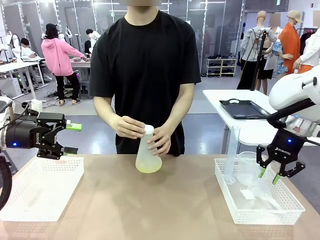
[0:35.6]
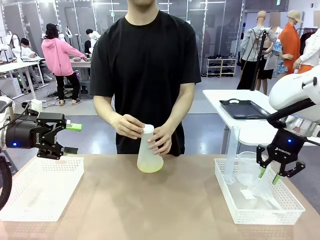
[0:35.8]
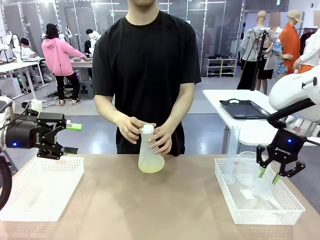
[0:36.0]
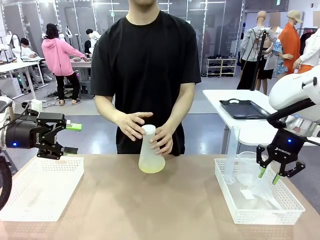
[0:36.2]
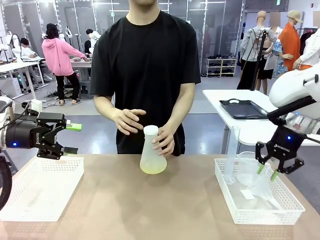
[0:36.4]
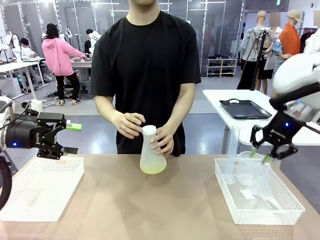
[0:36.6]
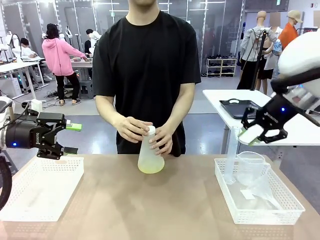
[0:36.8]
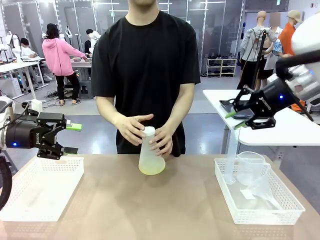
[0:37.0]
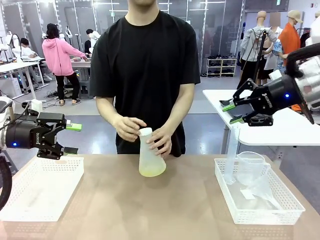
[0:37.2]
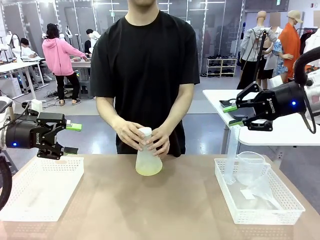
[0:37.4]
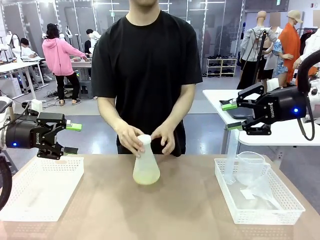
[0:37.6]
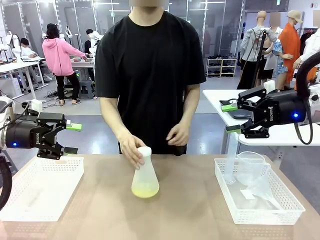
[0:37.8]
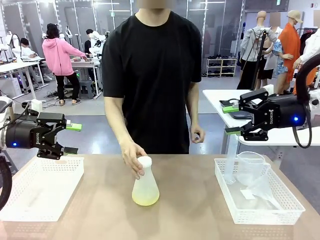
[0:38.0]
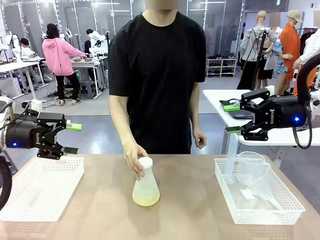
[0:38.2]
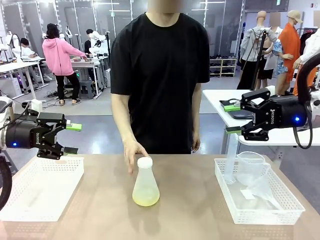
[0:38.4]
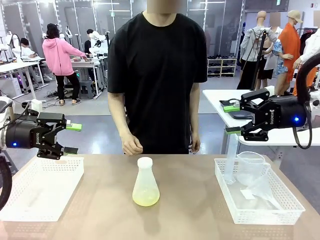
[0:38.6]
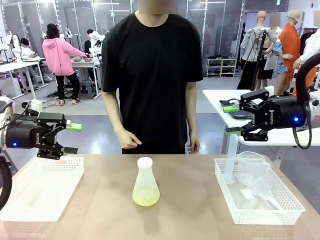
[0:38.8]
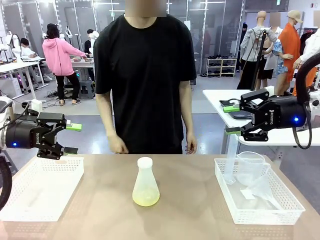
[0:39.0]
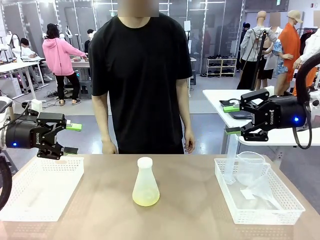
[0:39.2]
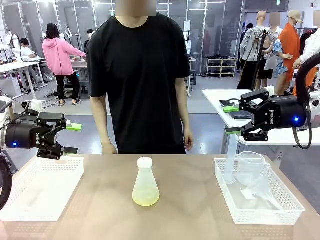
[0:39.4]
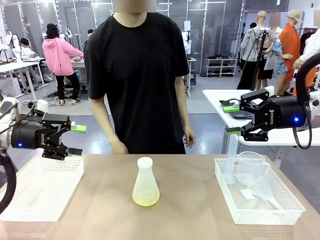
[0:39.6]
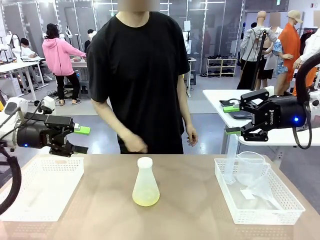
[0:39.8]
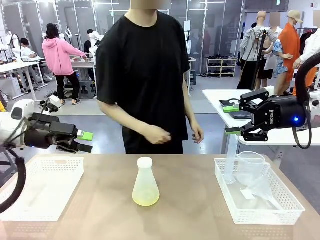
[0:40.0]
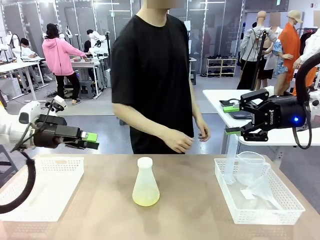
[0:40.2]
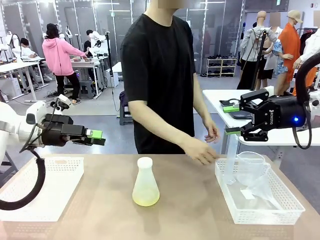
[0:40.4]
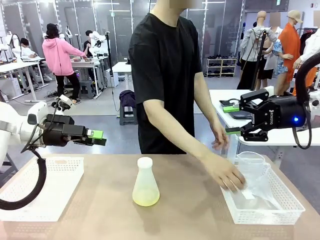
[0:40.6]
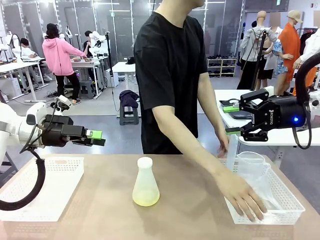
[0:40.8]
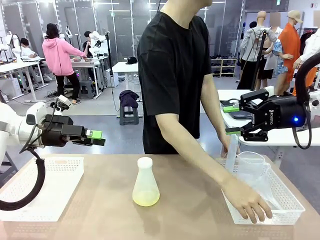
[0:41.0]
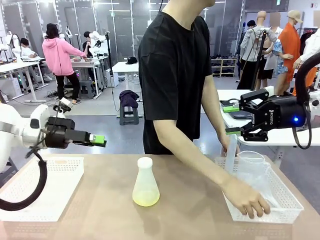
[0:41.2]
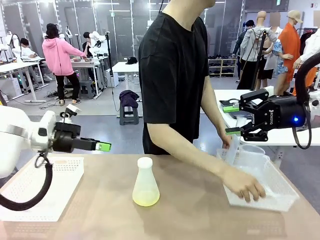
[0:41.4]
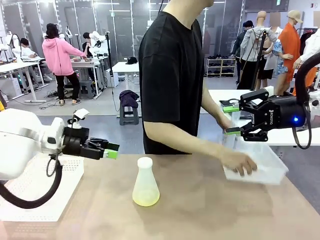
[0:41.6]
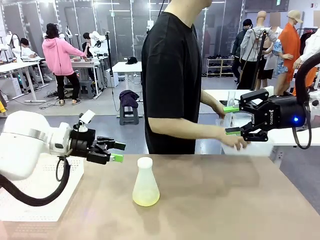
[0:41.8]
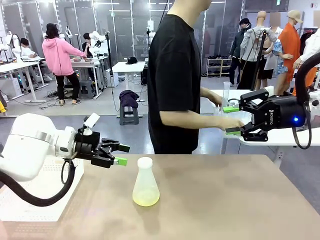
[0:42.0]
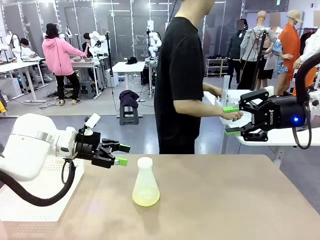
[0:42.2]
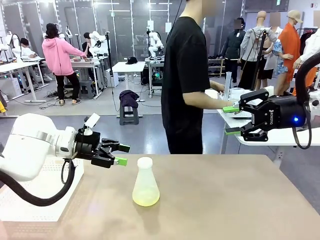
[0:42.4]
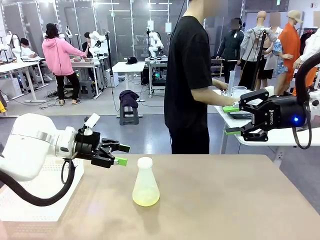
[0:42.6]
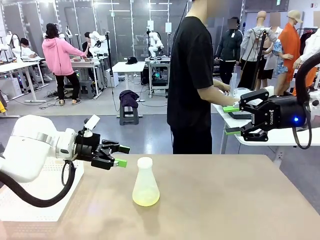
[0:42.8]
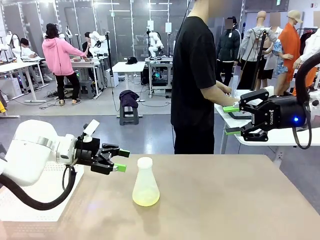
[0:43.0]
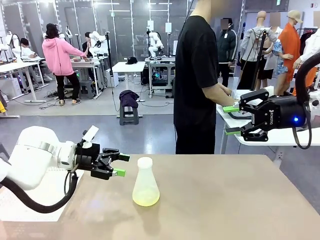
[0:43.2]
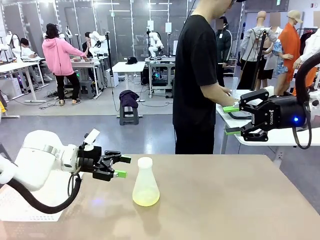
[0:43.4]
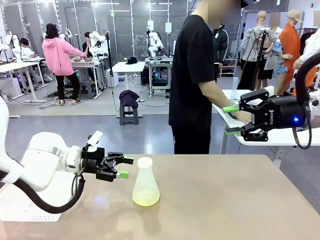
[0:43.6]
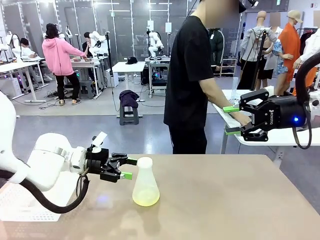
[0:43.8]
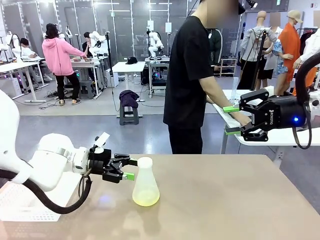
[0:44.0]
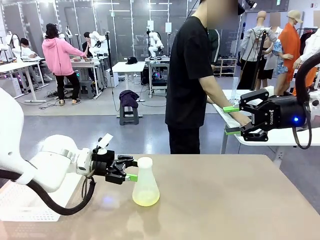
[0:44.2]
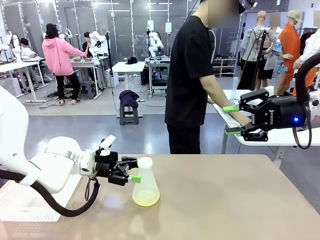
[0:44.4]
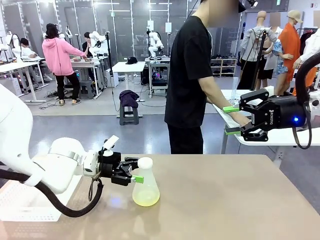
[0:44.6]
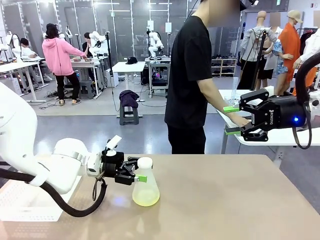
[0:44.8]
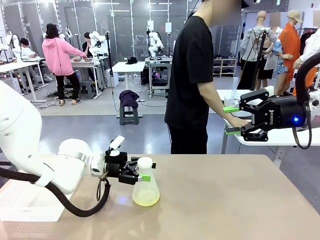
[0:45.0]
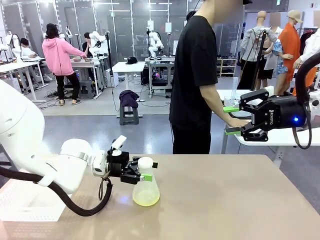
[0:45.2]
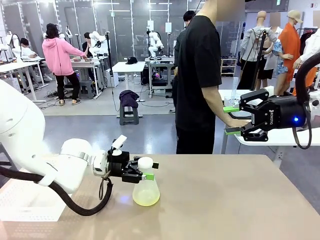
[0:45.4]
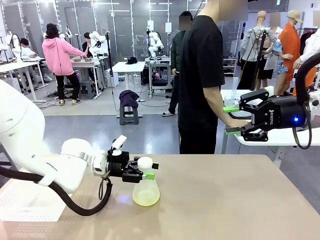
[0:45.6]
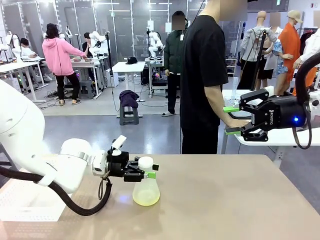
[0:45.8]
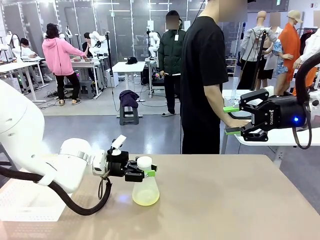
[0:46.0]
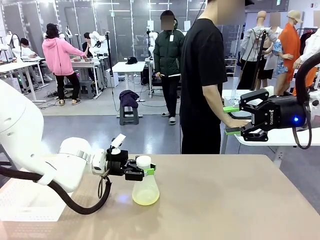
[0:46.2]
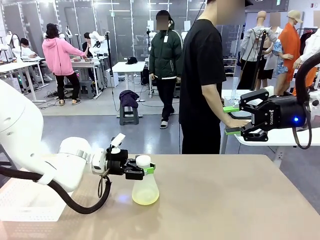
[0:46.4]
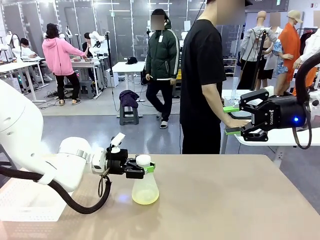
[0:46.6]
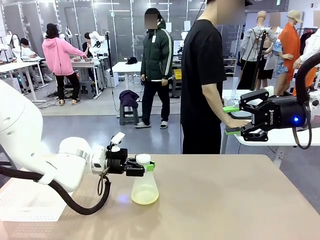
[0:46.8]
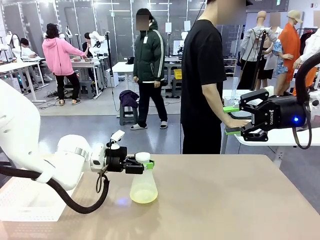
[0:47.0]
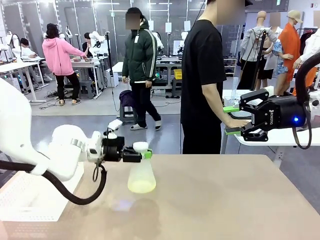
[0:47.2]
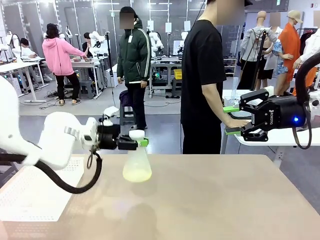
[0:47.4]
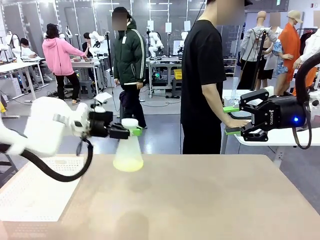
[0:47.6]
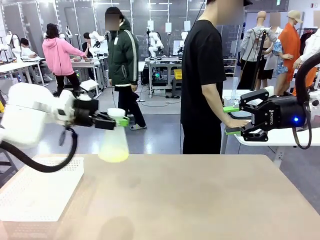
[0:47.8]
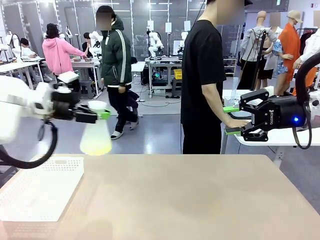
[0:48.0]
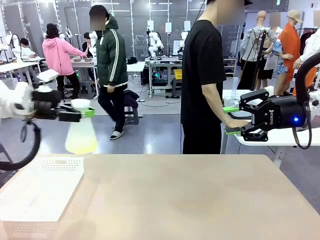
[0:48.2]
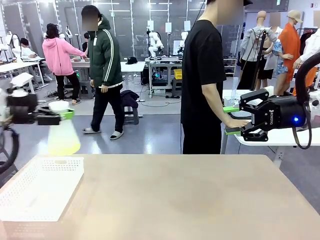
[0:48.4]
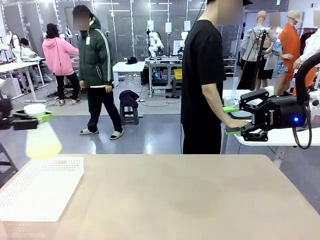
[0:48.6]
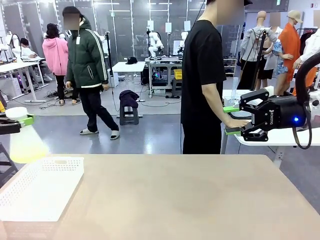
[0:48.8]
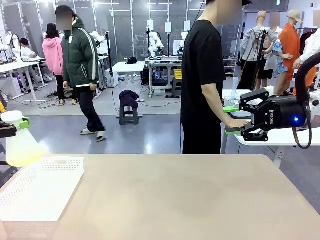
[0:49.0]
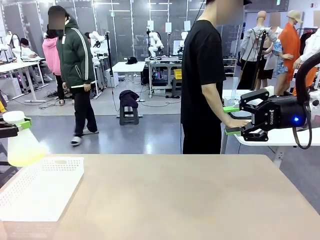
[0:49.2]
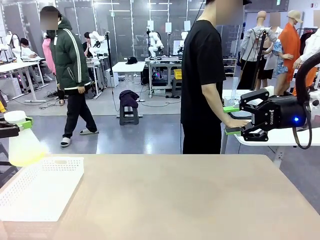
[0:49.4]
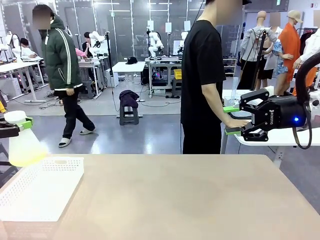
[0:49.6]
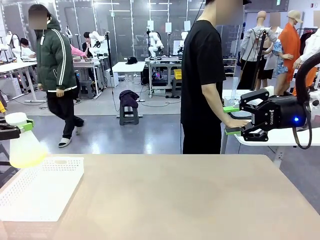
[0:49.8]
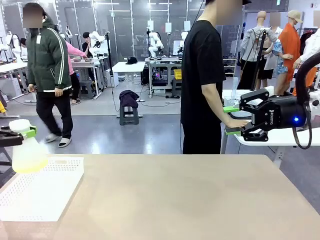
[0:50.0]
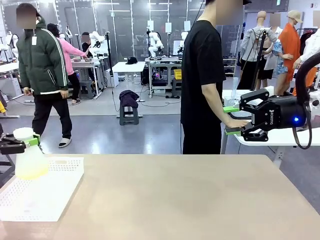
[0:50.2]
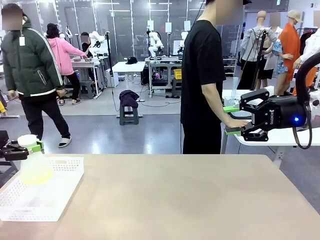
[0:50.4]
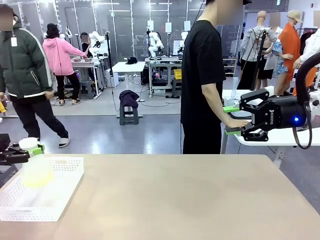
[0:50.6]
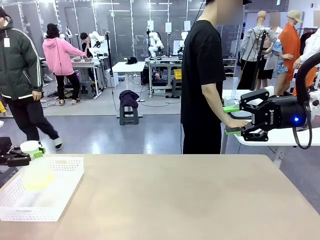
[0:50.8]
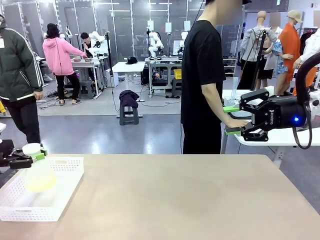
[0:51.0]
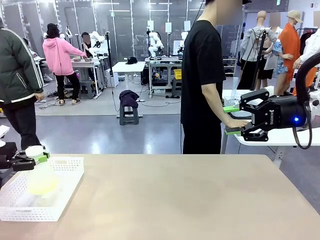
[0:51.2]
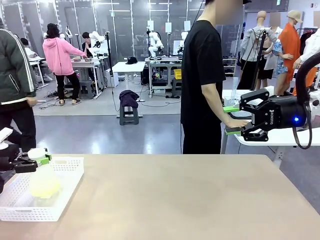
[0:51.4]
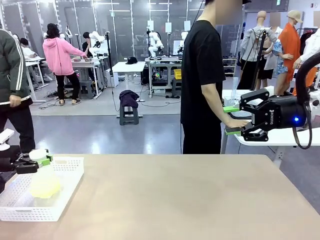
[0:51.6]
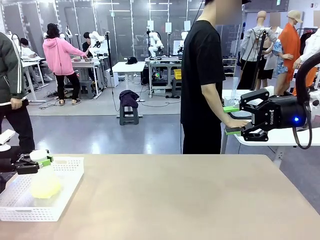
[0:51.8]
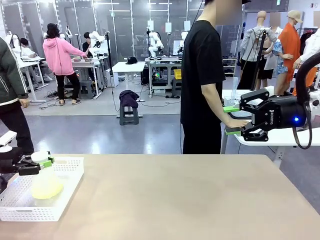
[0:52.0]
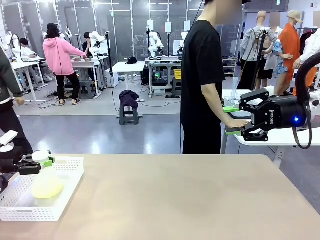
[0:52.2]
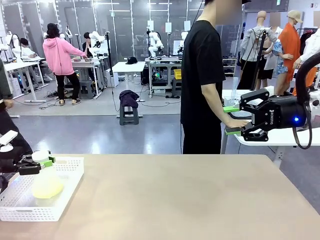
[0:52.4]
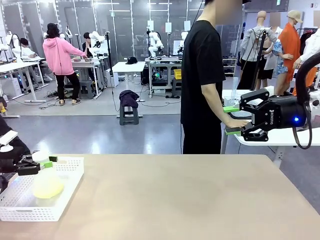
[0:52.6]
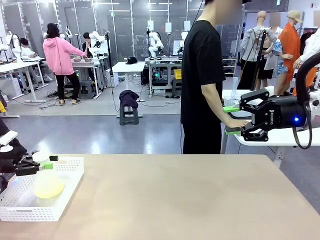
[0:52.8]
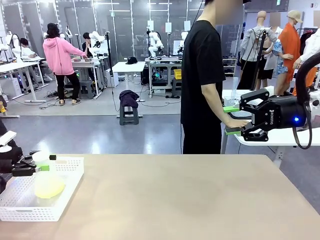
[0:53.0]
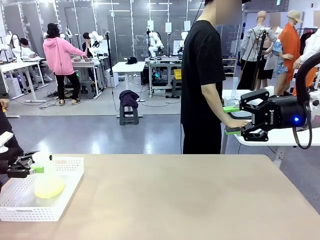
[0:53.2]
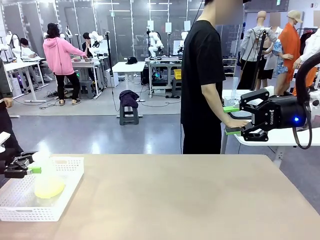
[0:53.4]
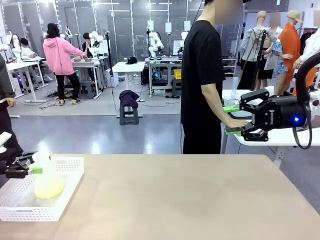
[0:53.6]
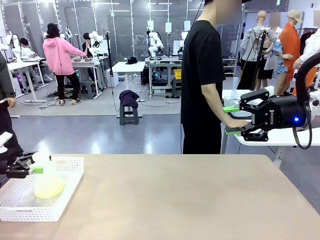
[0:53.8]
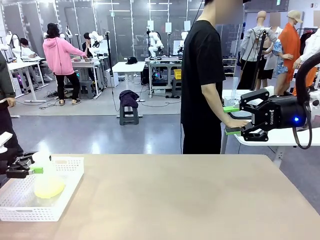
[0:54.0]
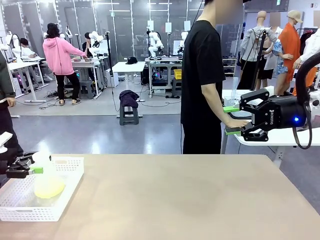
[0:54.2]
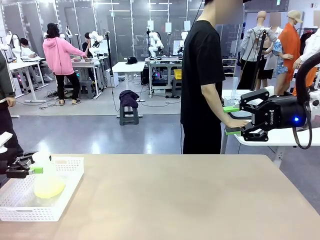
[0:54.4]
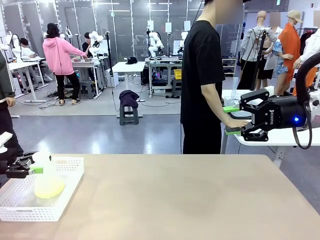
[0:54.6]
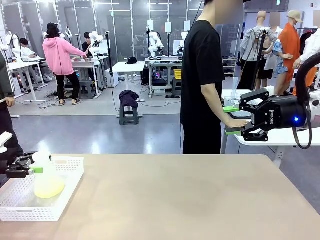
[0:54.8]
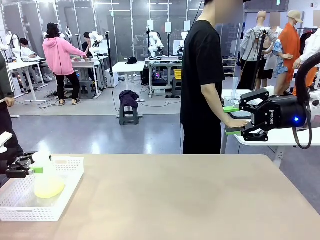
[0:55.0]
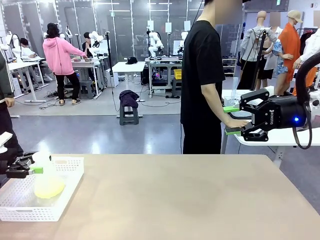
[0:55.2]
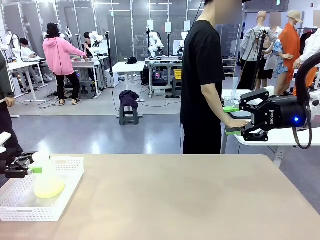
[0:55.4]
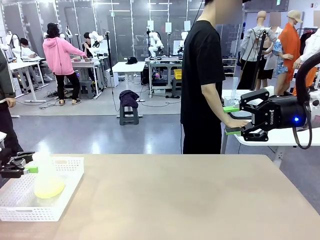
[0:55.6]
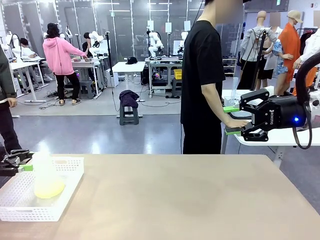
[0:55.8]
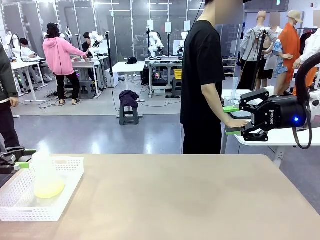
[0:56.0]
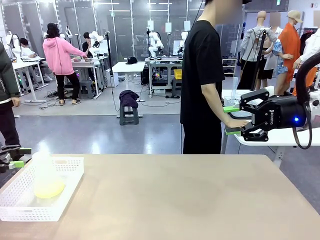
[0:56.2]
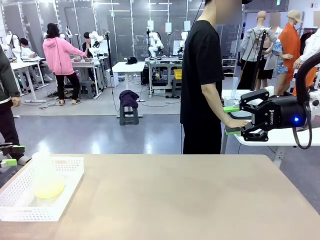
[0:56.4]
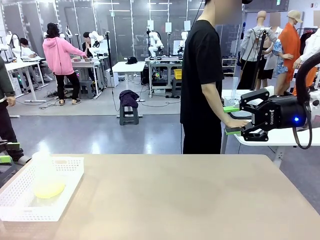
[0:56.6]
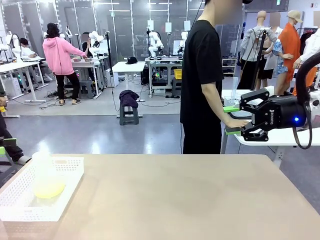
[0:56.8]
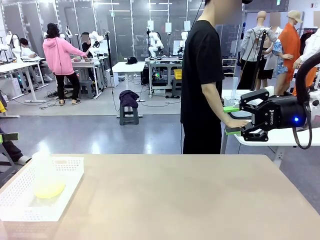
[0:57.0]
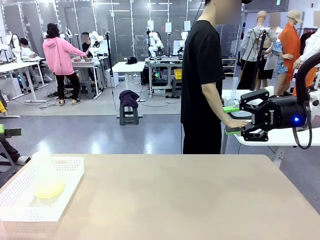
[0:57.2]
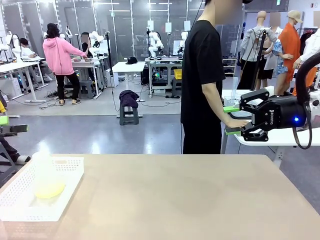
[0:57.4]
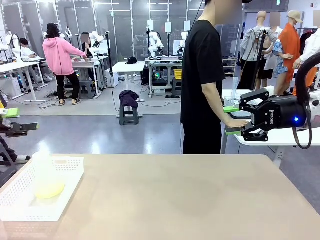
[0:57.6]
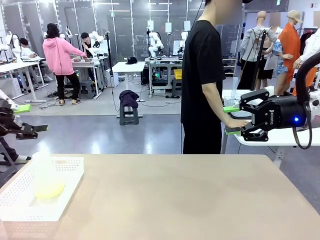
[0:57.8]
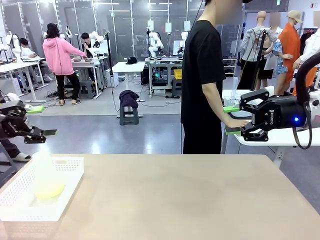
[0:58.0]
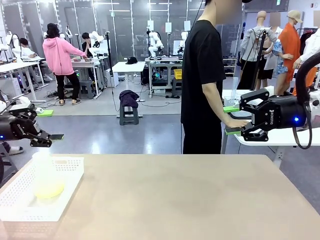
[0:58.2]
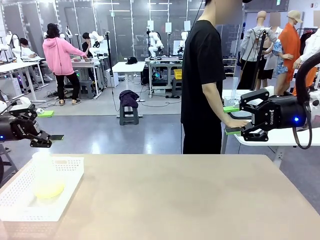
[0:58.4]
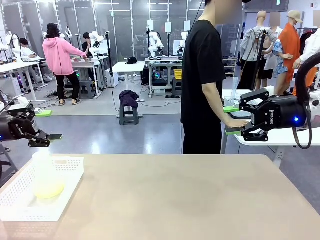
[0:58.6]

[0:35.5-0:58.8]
Task: Prepare the solutions needed for the experiment.
Robot: When the human places the Big flask in the center of the table, pick up the Big flask and place it in the left Organizing basket.
Person: Pick up the organizing basket on the left side of the robot table and place it on the left side of the human table.
